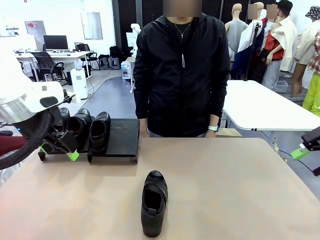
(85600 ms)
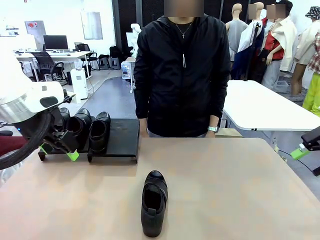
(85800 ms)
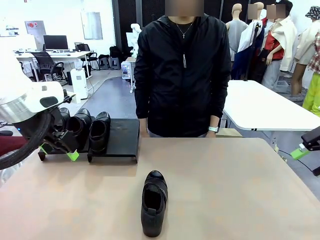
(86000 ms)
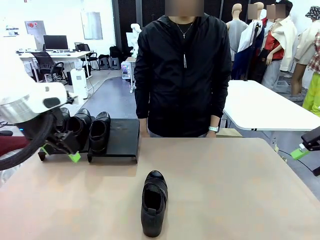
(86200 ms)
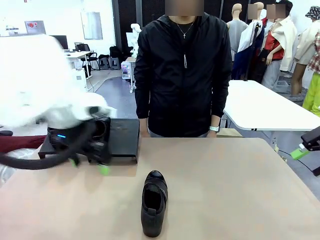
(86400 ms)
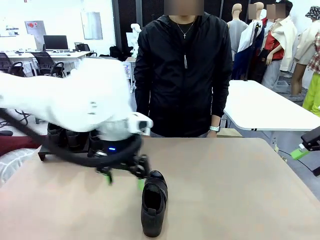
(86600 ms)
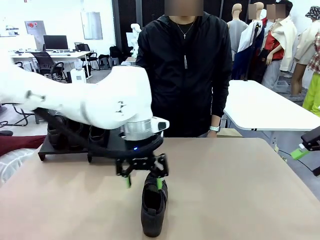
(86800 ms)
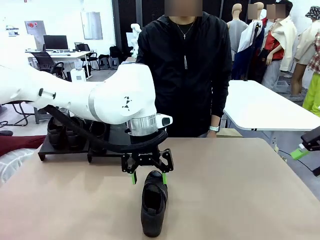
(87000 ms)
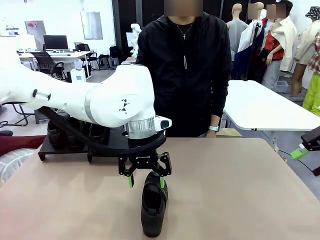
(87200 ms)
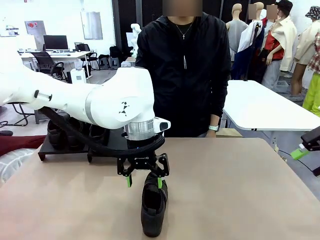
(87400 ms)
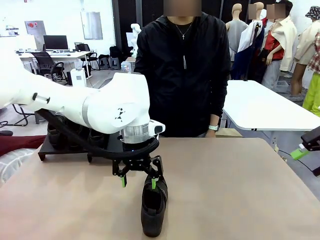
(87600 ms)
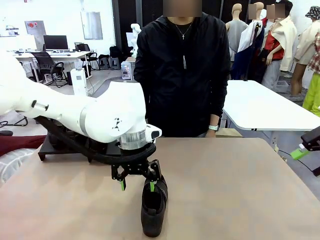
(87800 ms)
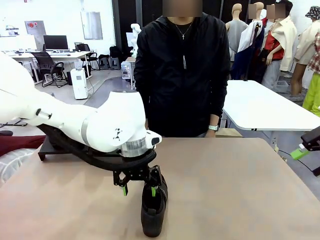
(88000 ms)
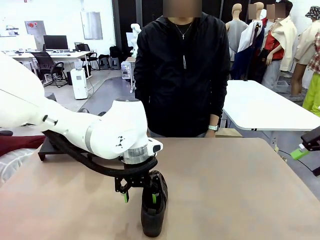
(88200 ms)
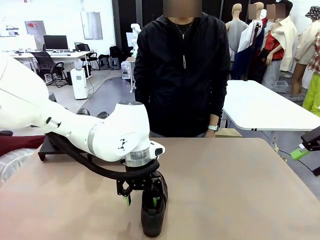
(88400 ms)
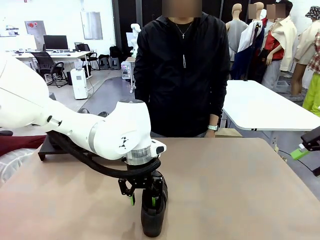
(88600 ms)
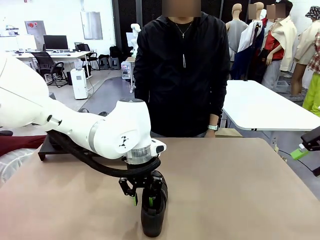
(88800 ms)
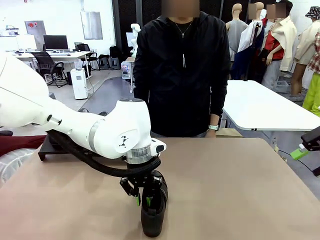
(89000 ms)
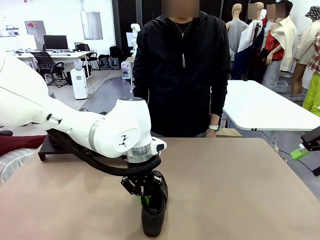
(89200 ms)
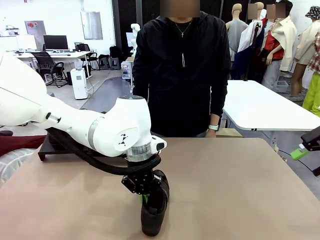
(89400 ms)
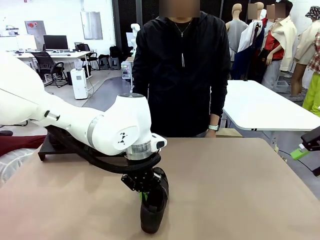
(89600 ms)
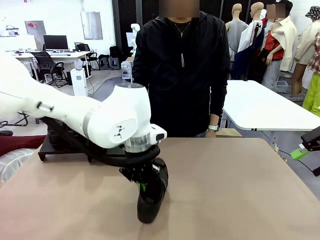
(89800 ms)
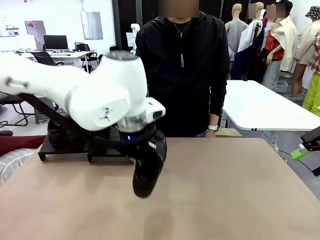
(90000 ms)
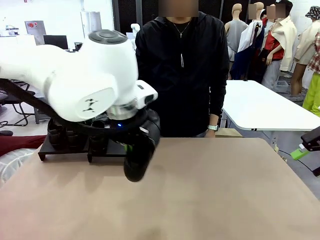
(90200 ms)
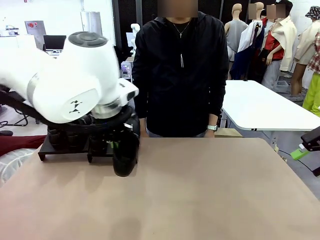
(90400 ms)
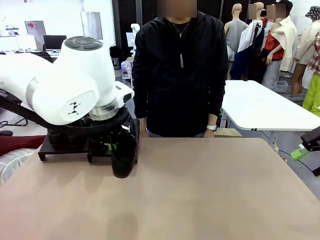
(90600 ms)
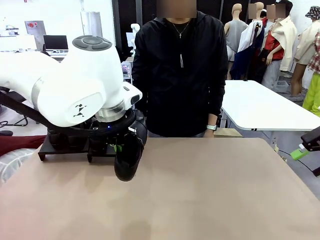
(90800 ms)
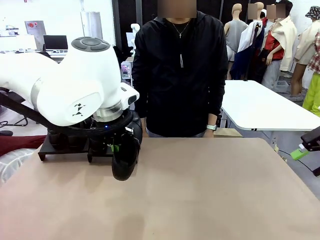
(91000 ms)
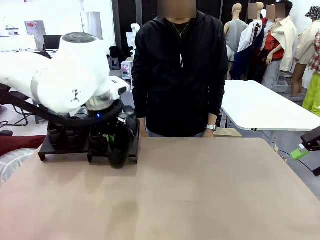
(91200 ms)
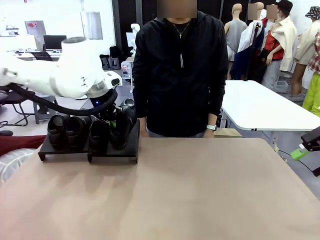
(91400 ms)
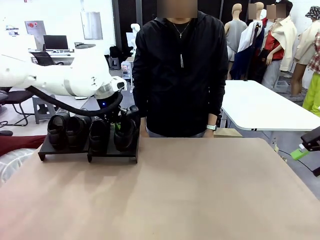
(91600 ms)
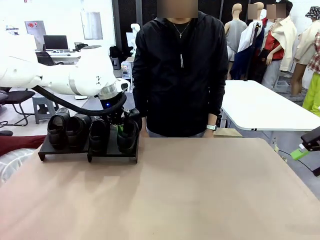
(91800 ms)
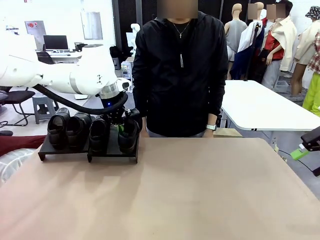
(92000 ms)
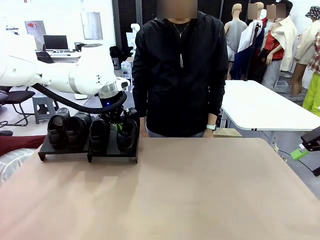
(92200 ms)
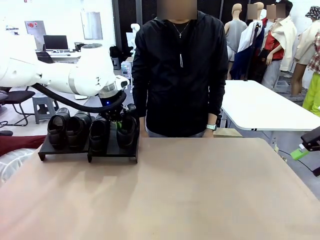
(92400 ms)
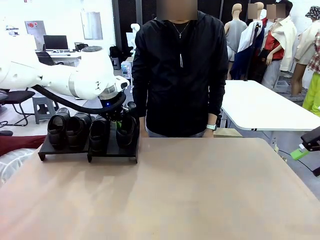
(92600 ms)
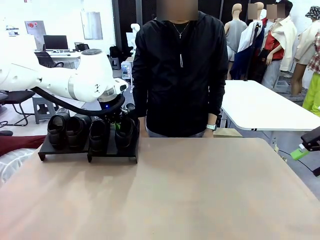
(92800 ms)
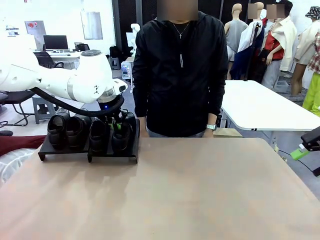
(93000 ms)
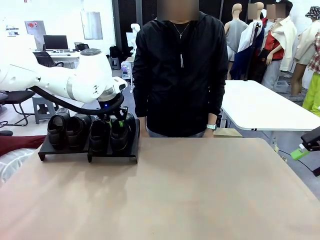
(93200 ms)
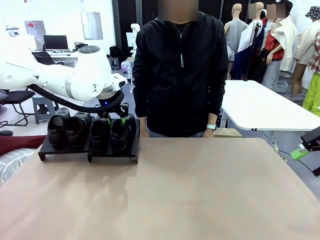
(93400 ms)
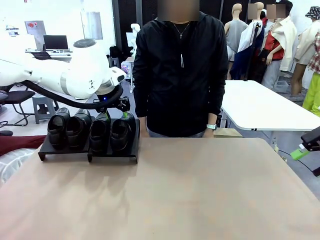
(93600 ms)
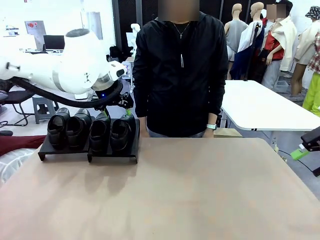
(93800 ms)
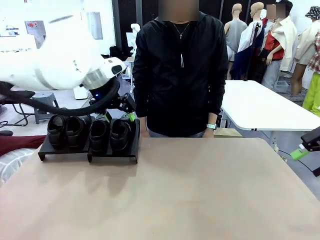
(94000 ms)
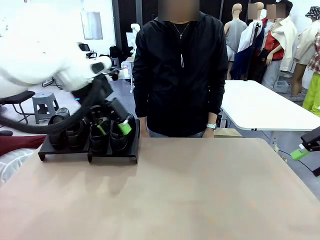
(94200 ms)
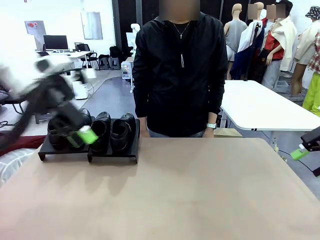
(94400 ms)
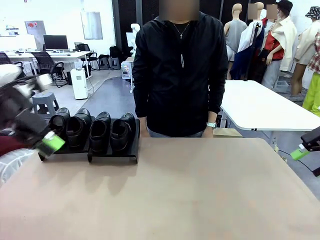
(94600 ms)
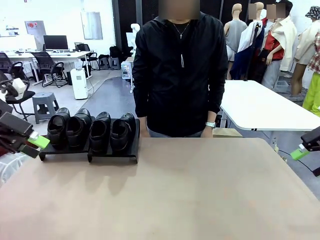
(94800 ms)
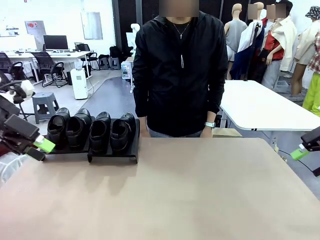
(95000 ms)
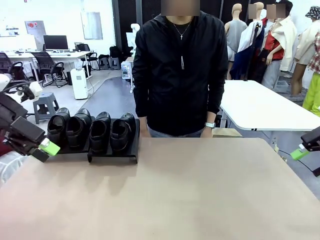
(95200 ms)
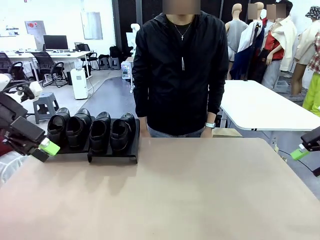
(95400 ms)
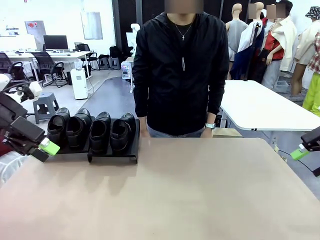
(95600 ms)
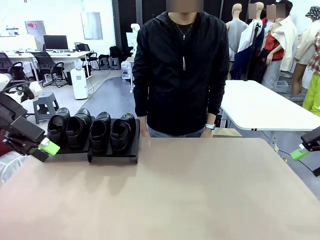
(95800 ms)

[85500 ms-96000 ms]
Task: Organize the shoes by placing them on the stand.
Robot: Place the Shoe from the middle of the table onto the Shoes Stand.

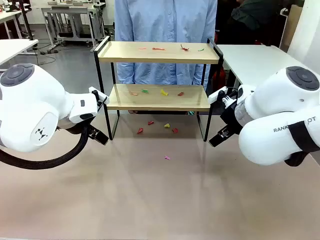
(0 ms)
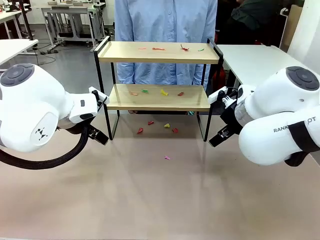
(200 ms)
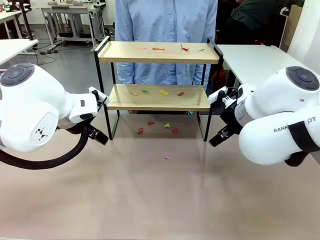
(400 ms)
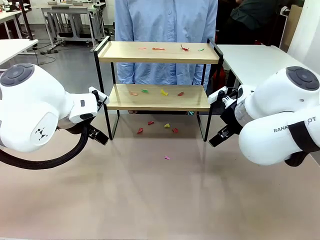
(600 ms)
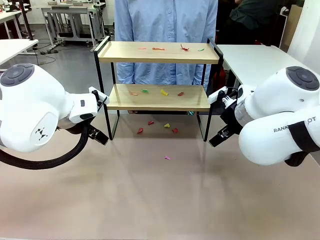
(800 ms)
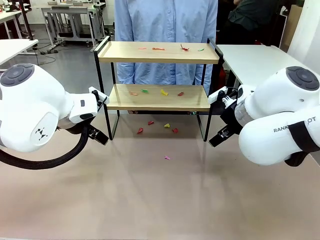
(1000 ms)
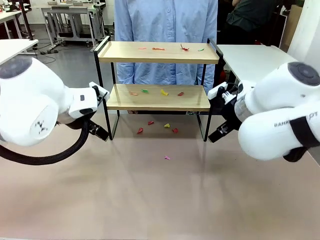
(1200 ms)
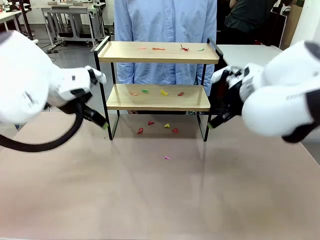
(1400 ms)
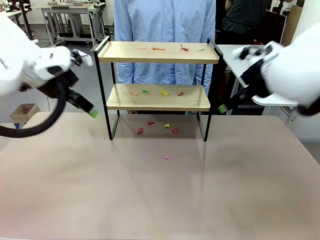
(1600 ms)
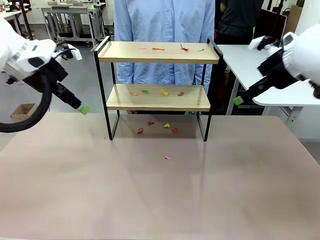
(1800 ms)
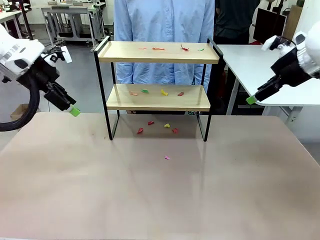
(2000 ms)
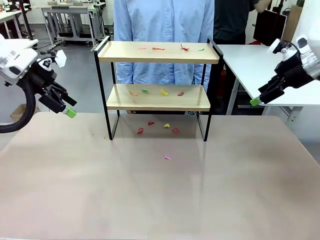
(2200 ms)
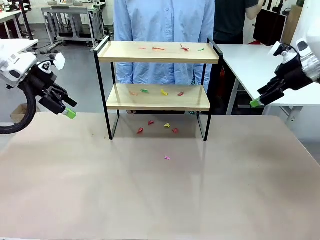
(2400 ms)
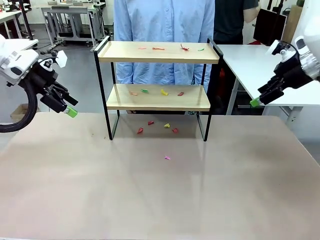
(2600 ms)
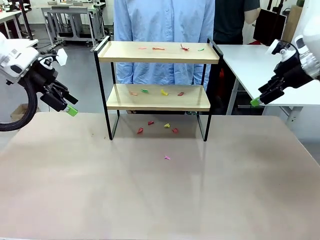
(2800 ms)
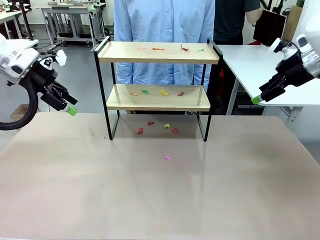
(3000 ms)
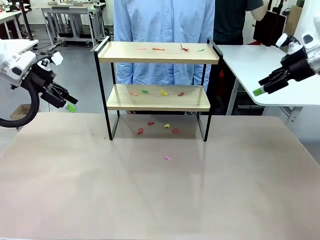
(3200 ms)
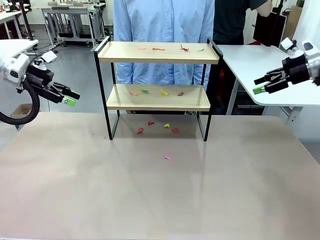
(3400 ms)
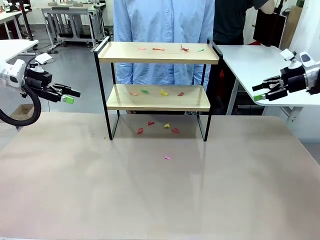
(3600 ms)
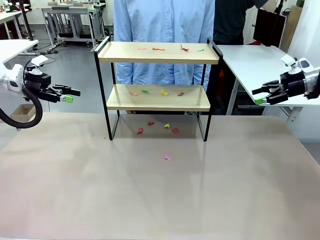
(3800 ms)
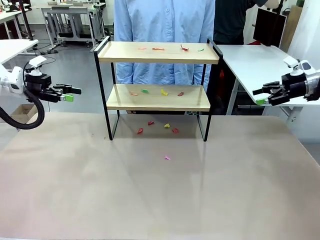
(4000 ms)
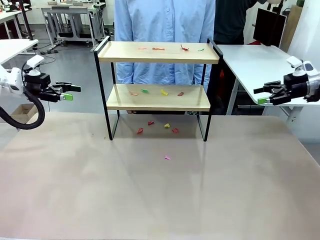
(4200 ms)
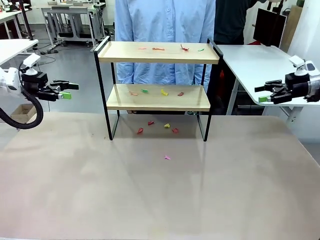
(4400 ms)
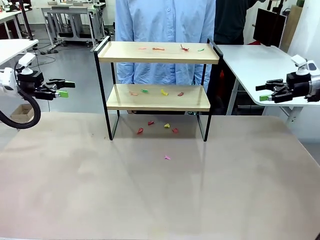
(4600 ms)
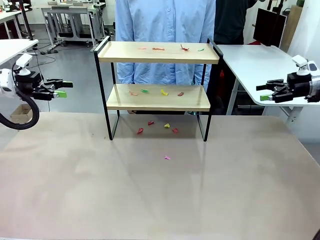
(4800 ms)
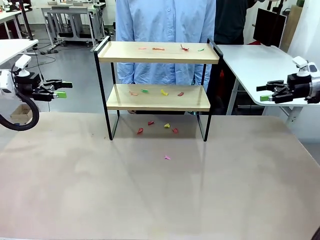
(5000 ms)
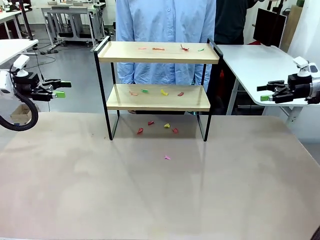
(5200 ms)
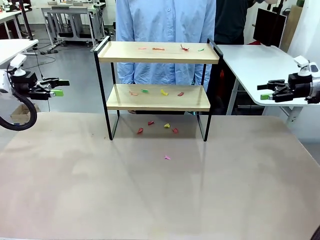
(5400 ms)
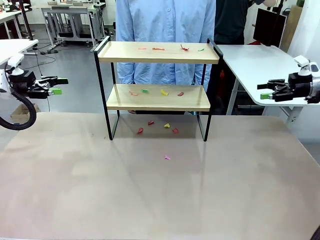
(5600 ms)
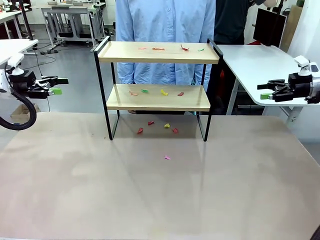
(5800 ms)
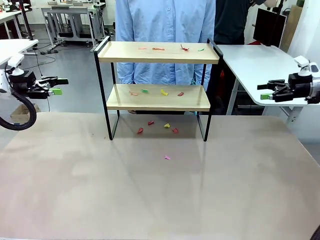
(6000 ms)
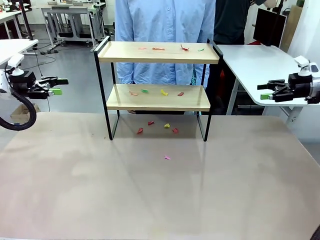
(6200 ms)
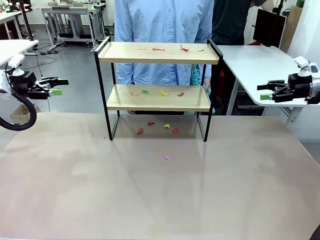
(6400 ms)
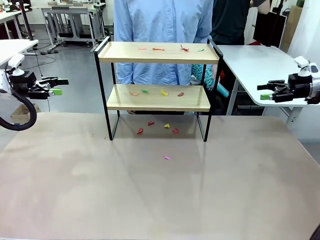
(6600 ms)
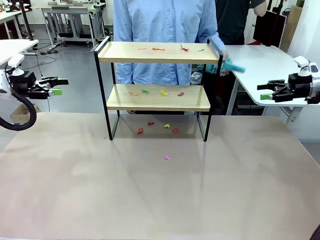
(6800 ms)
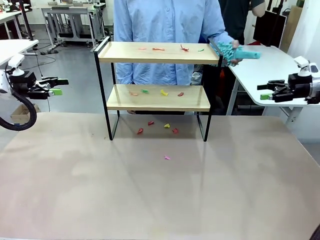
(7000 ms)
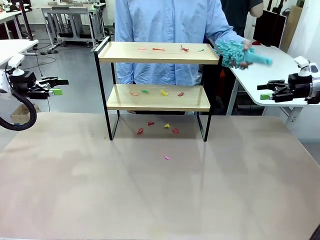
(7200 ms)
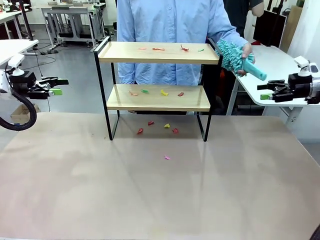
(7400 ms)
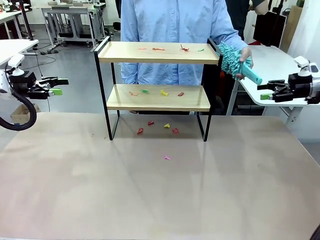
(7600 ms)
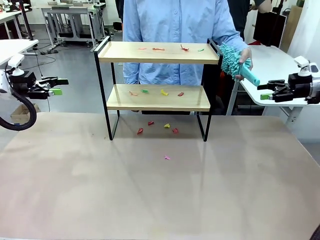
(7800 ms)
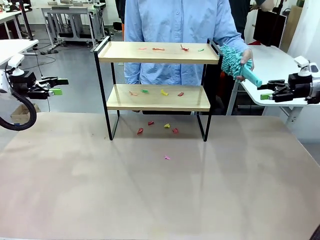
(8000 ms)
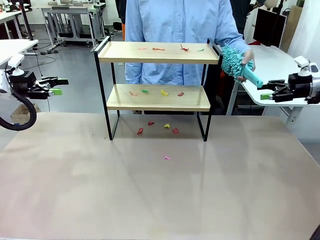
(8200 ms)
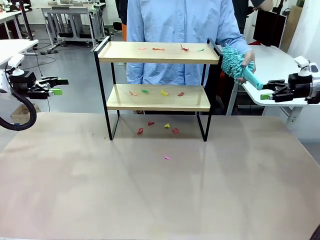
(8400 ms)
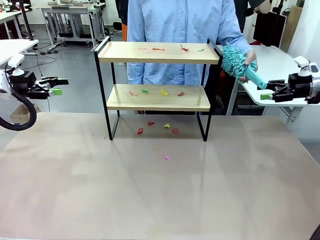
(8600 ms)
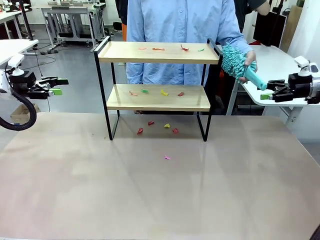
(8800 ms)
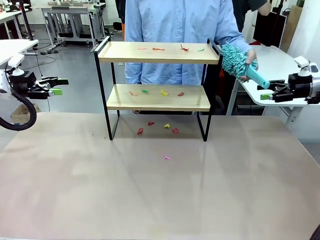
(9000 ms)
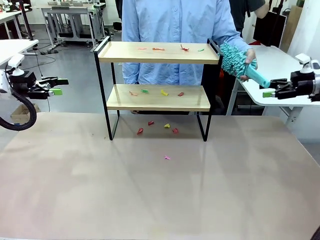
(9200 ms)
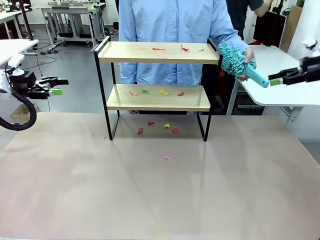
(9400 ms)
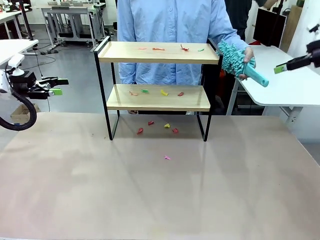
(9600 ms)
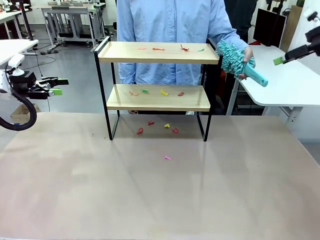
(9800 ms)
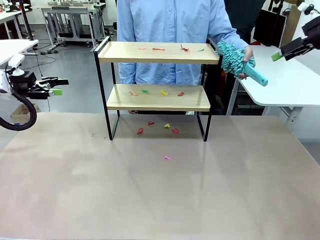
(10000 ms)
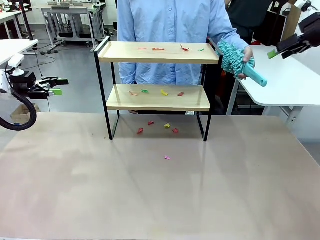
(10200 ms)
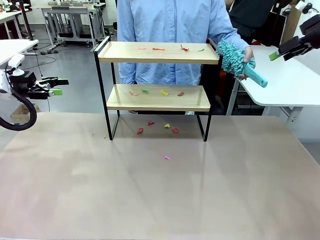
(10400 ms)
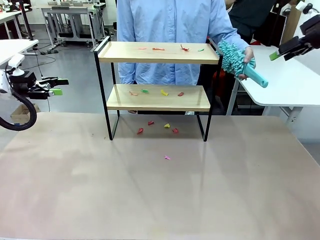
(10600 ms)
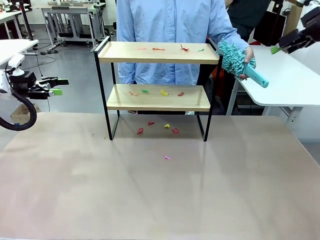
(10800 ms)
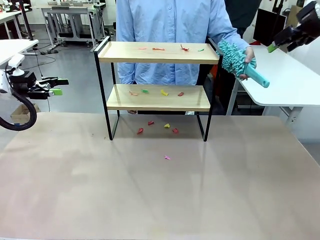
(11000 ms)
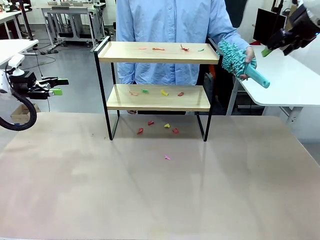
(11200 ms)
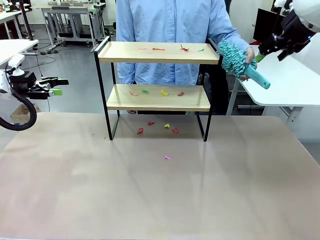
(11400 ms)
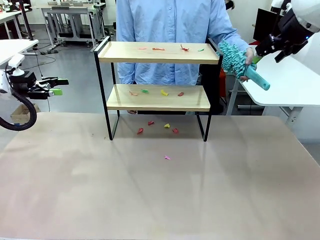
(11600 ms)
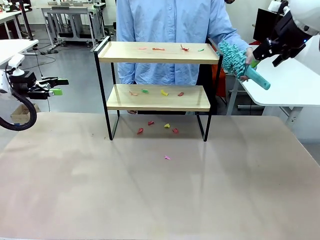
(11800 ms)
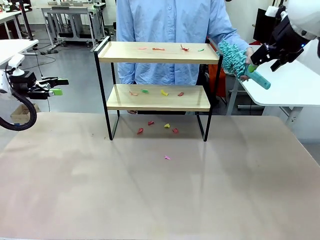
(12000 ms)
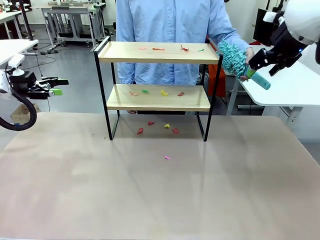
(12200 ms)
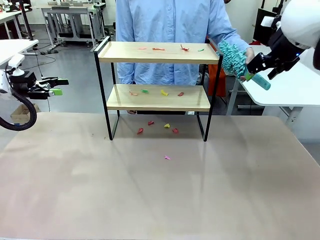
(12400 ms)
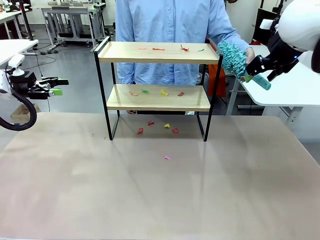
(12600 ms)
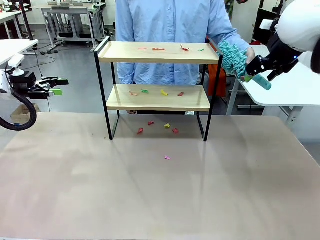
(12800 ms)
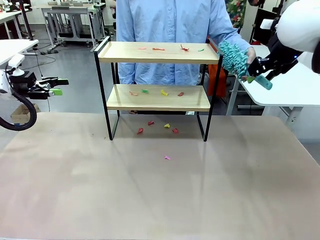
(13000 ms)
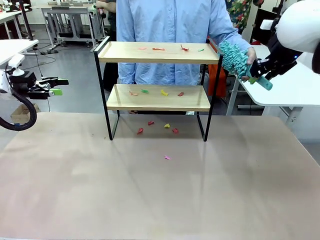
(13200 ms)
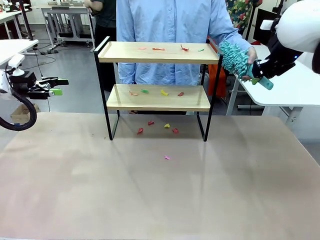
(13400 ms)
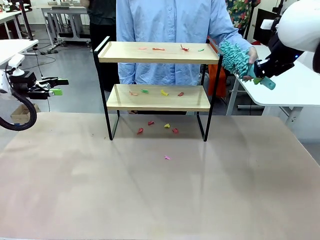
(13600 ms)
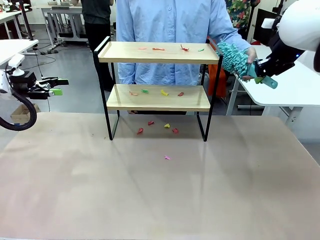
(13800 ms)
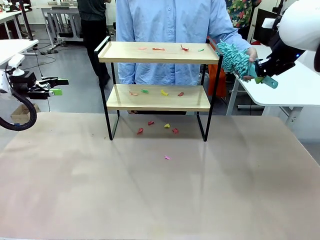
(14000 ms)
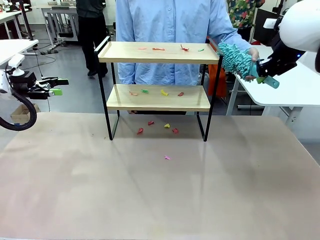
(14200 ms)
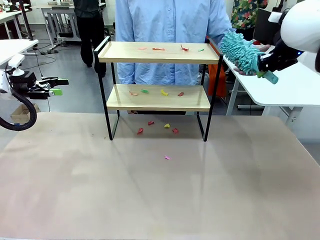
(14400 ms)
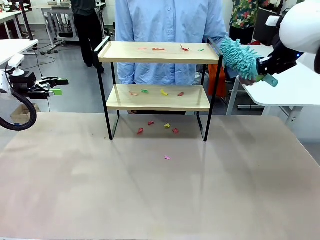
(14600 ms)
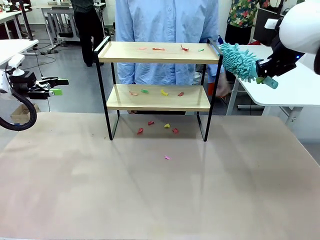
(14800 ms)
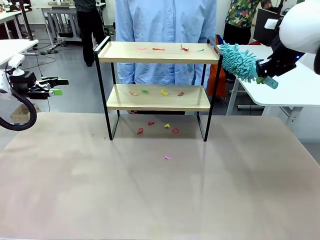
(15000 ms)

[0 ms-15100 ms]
Task: Clean the shelf.
Robot: Pick up the Duster handed by the human.
Person: Hand the Duster to the robot.
